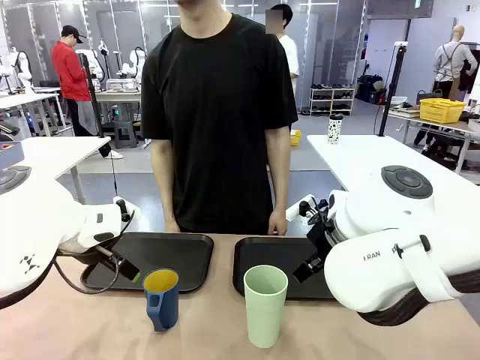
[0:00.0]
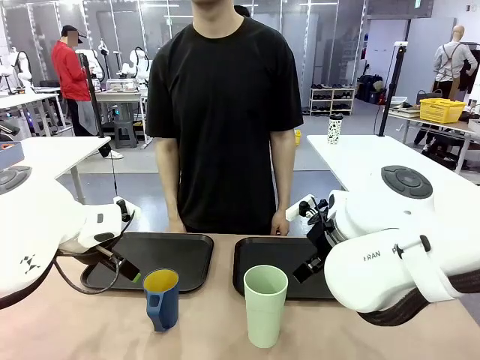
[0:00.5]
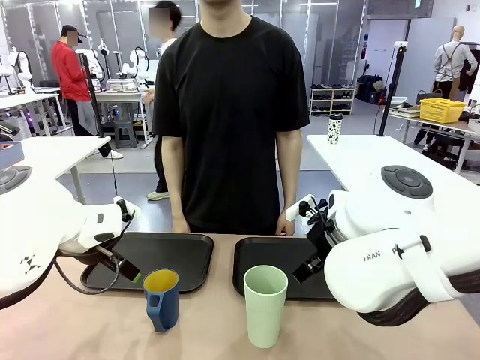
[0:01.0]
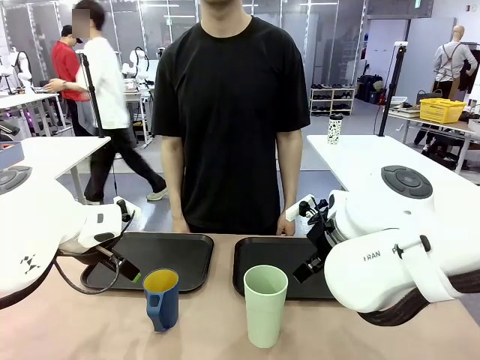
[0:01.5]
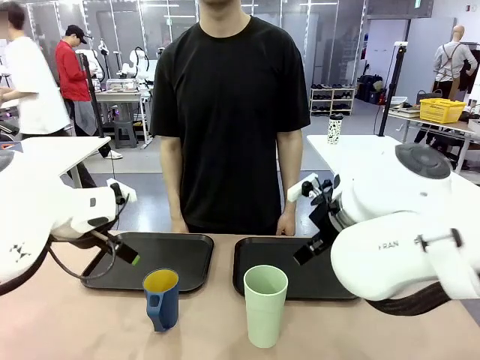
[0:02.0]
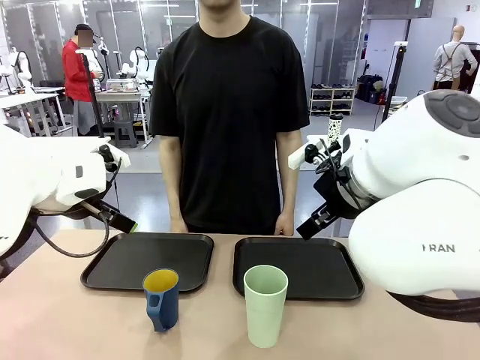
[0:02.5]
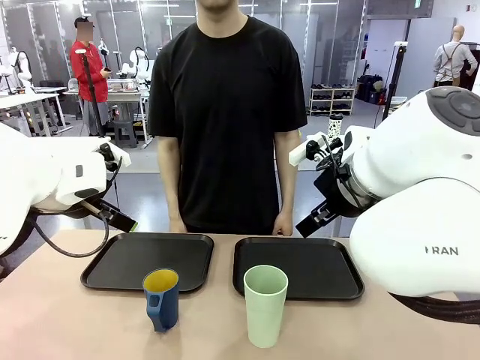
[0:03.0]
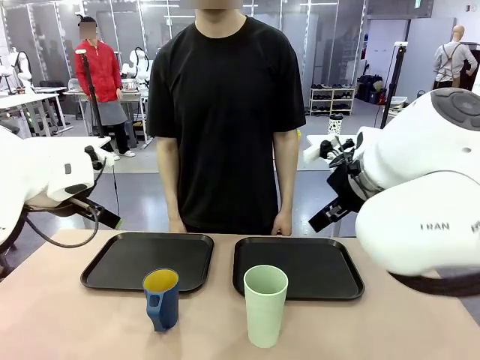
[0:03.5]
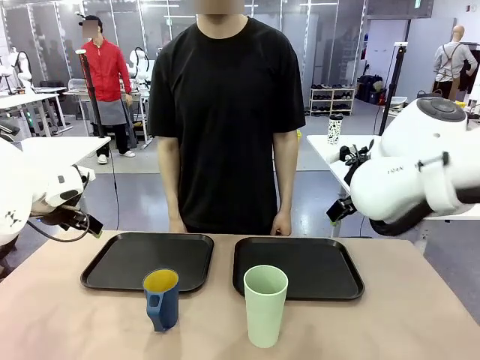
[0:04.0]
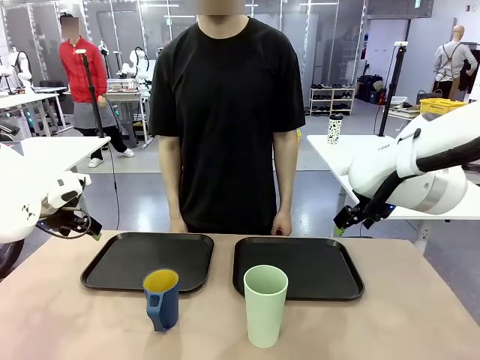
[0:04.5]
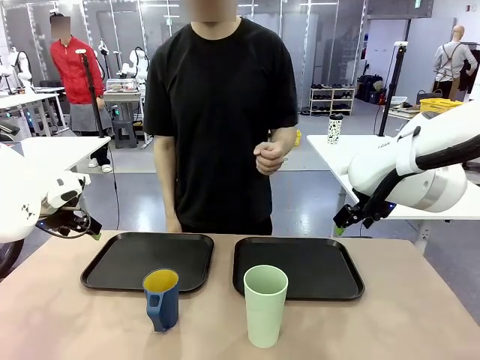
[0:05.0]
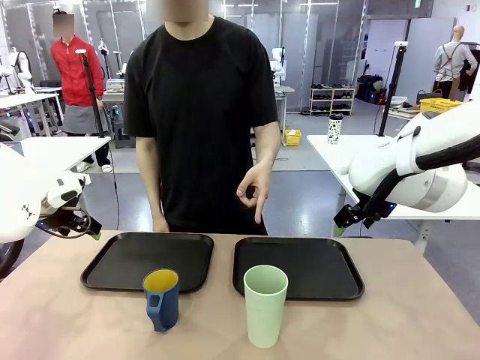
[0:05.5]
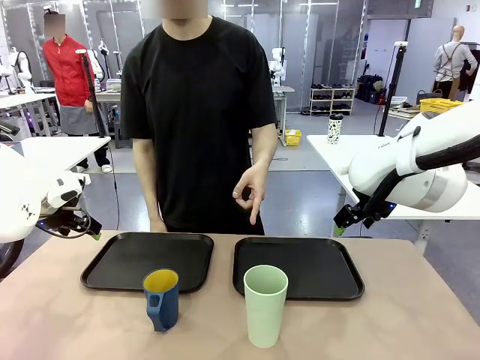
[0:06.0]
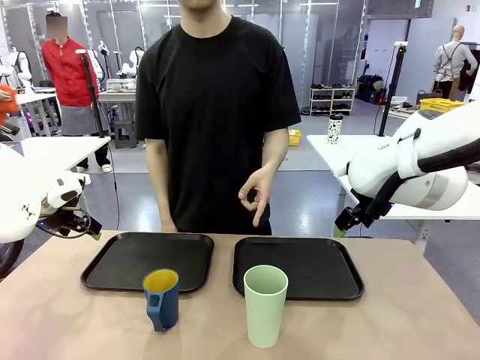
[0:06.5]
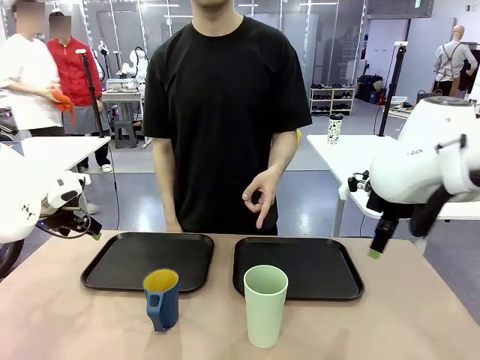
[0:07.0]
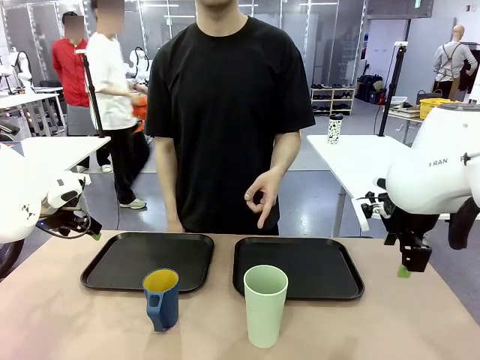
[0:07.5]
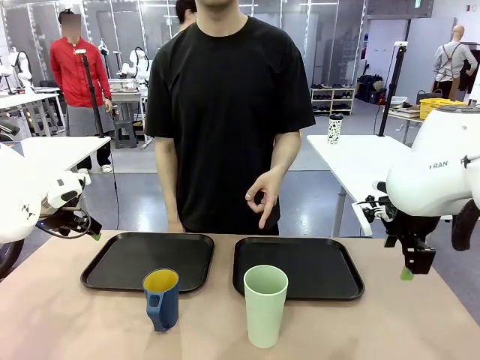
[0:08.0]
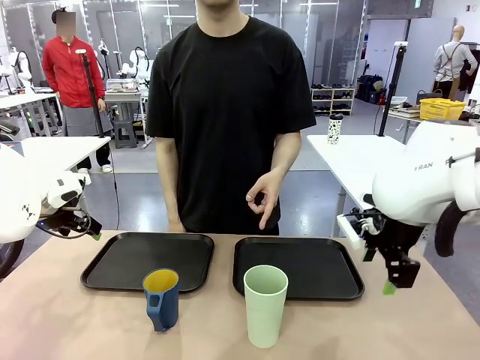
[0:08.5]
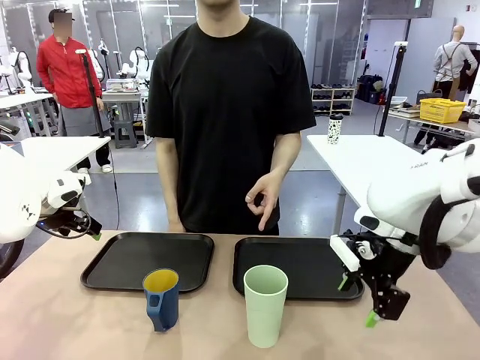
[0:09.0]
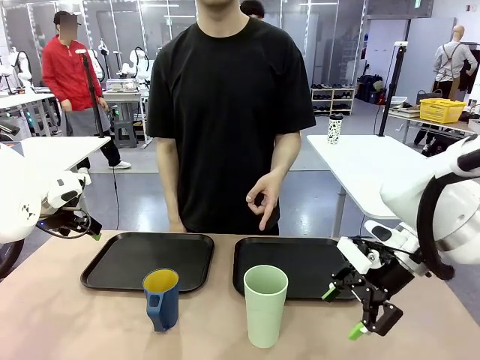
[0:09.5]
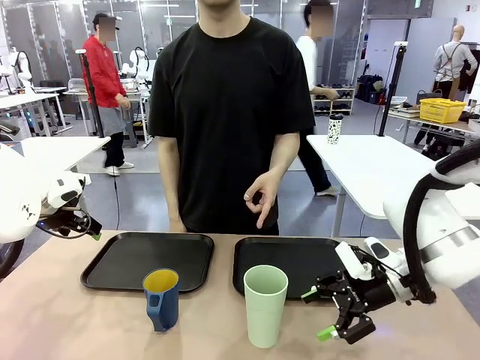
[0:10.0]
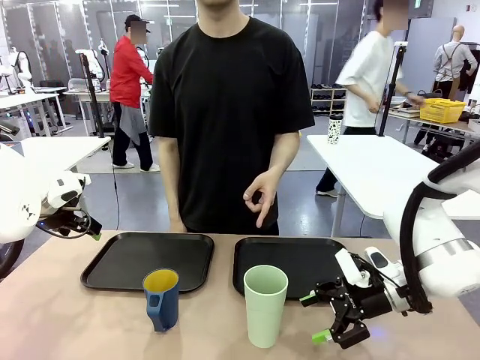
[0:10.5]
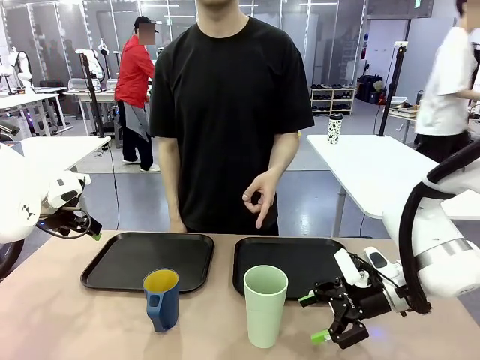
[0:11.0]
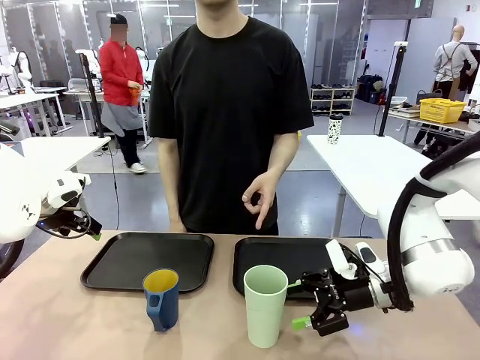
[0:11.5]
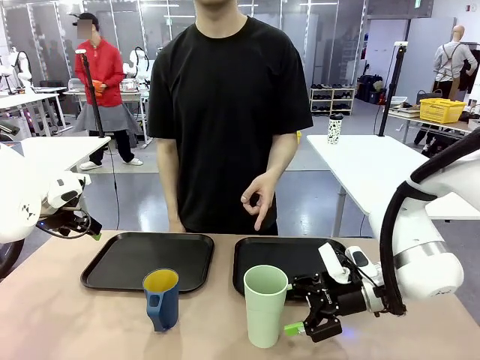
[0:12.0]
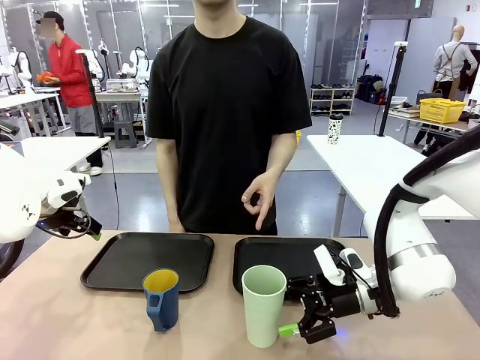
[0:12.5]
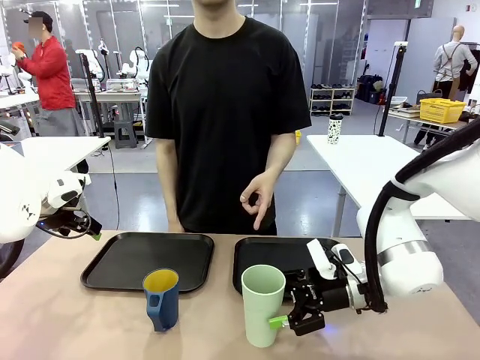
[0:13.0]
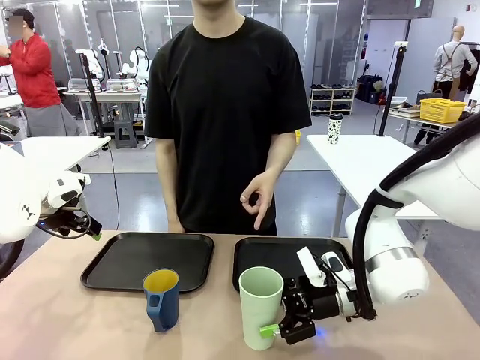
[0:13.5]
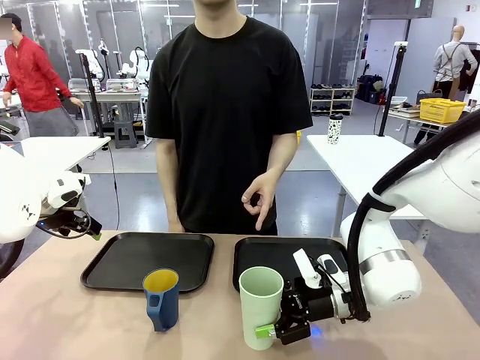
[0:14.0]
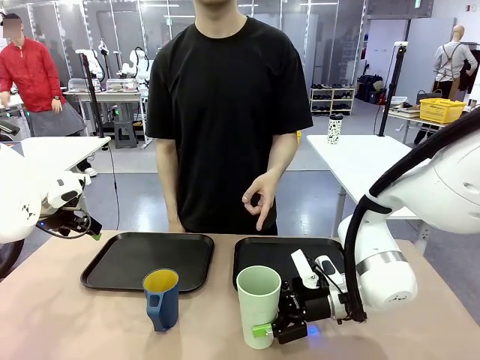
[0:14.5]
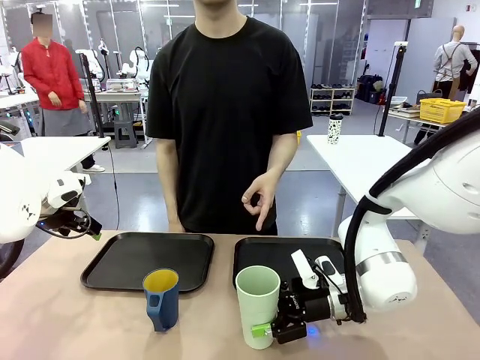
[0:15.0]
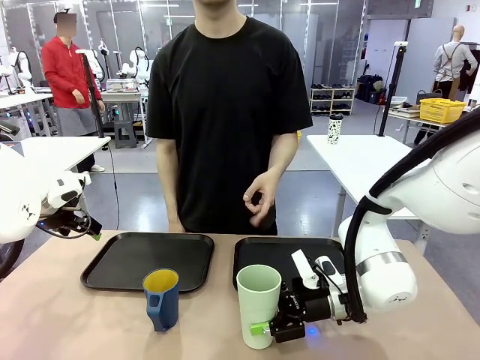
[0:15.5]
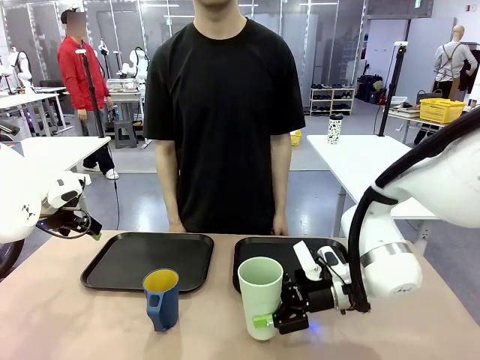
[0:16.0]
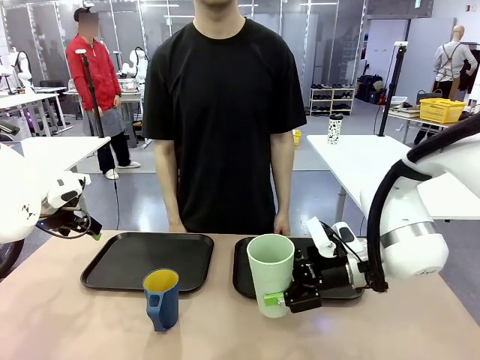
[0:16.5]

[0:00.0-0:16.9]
Task: Sort and store the cups by type.
Robot: Pick up the Reusable plastic cup.
Person: Points to the reusable cup. Point to one of the two trays.

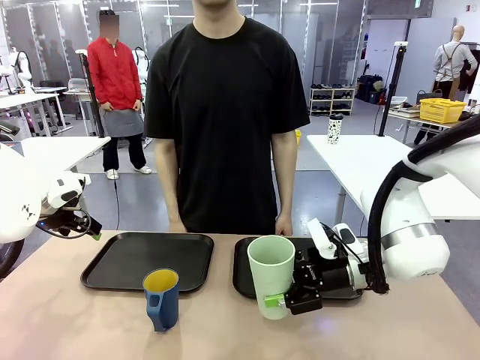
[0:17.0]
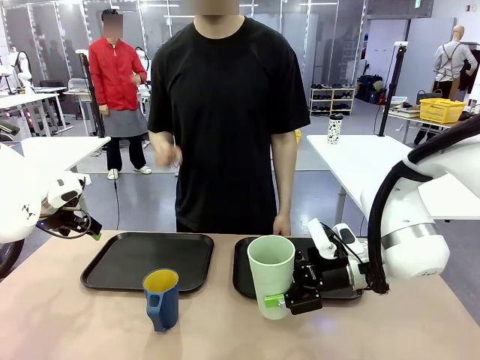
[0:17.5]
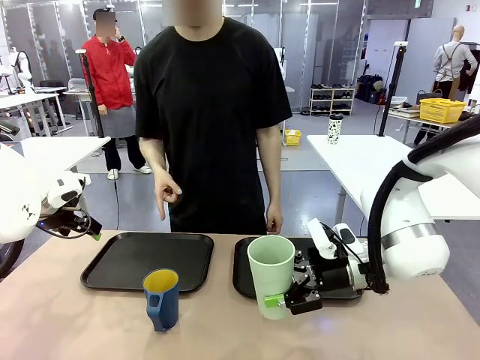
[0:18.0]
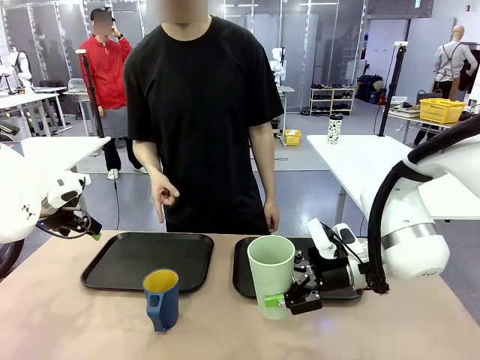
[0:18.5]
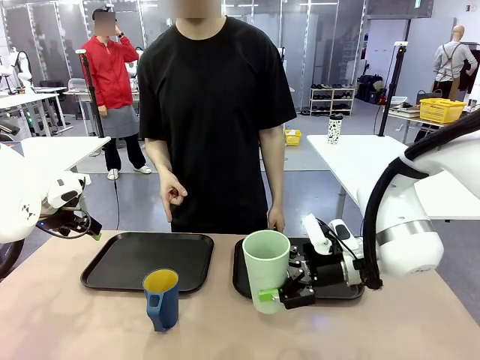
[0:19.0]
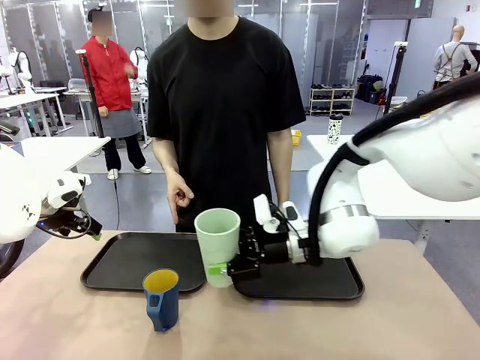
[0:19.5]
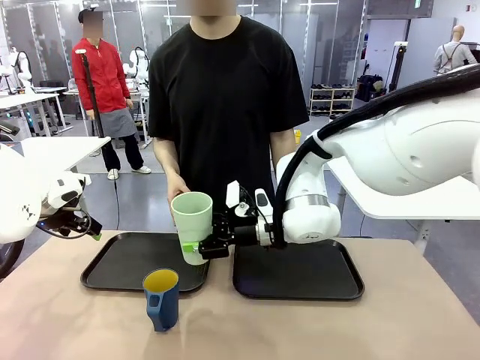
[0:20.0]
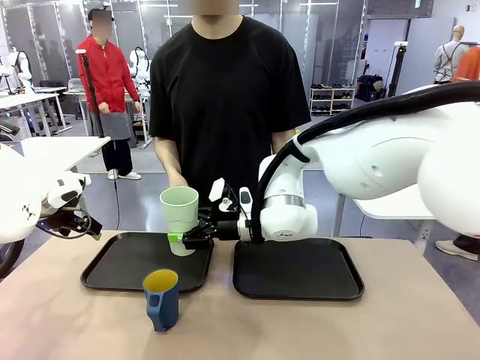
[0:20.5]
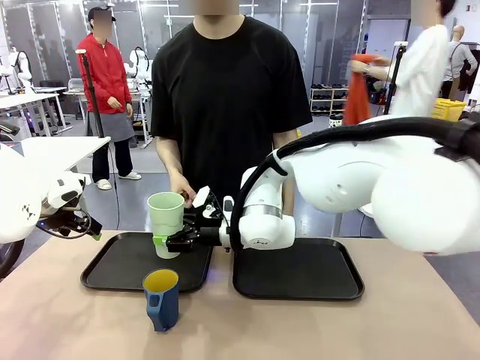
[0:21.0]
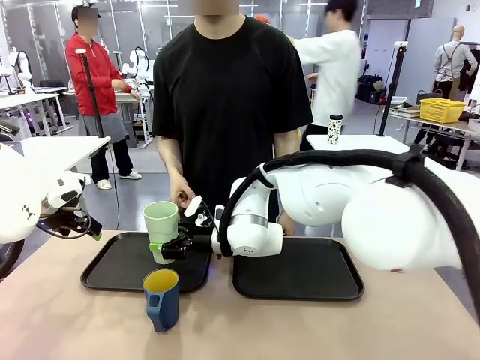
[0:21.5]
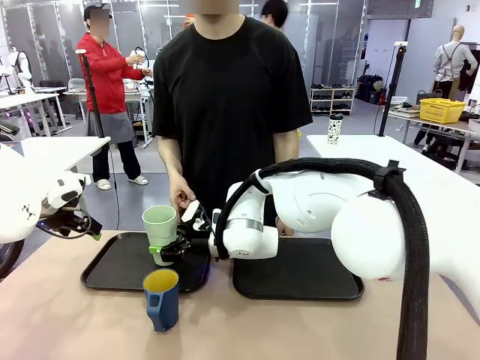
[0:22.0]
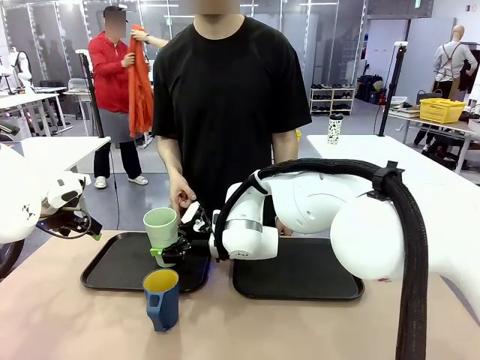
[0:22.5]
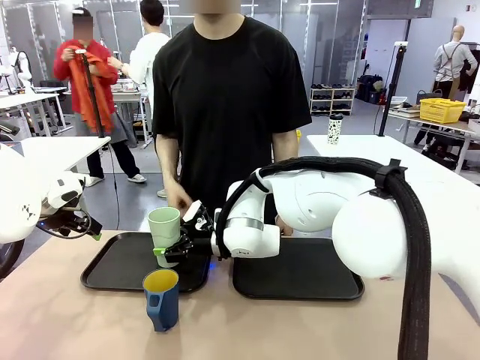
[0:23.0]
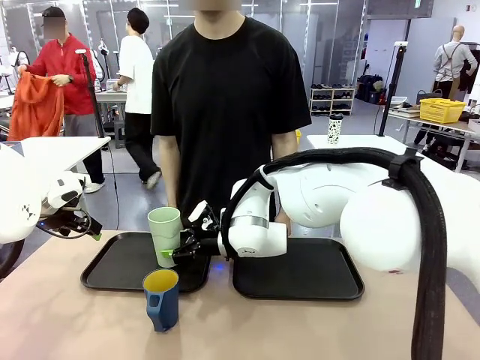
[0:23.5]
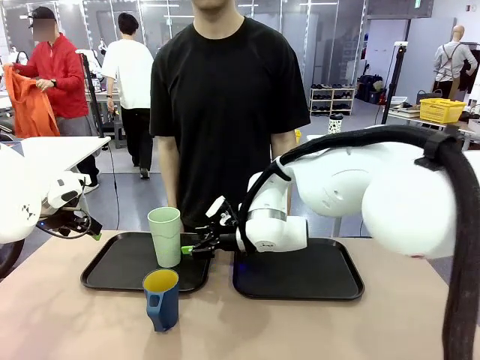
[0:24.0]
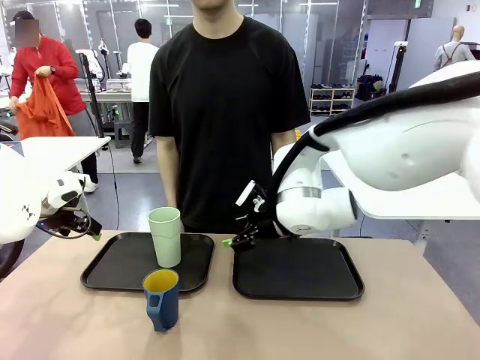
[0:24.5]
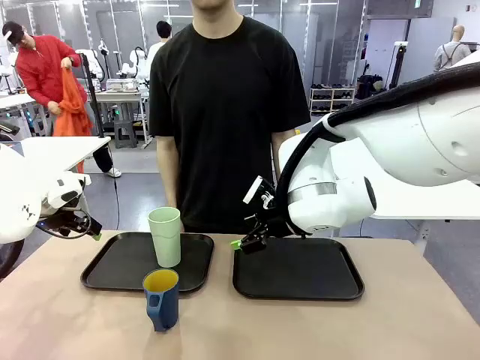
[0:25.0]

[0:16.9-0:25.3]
Robot: Place the picked Reusable plastic cup into the Flat Tray indicated by the person.
